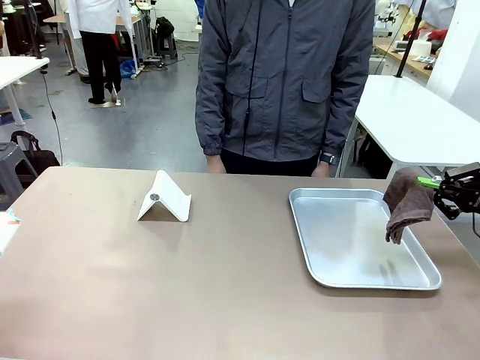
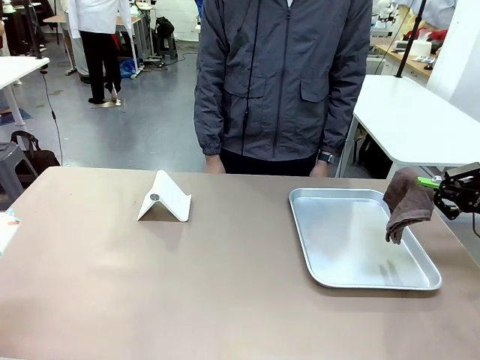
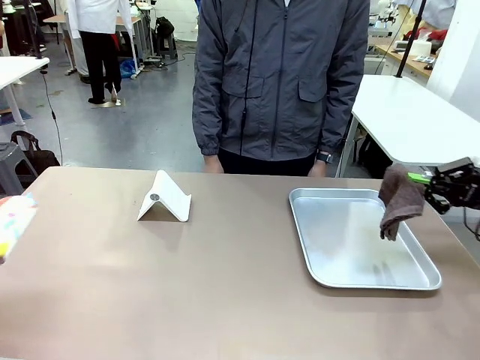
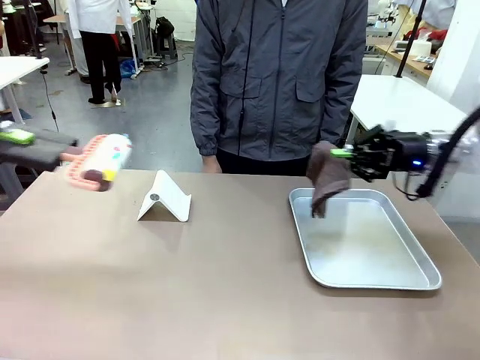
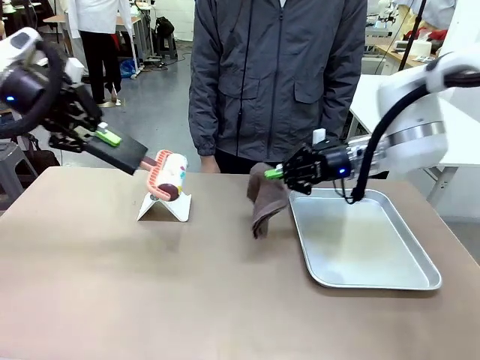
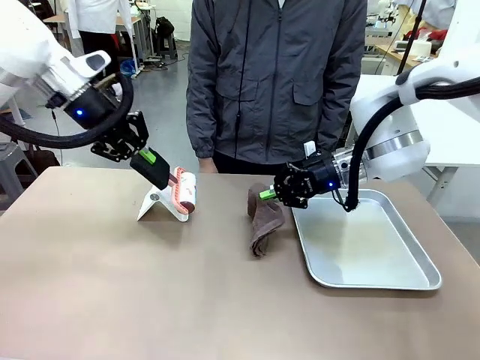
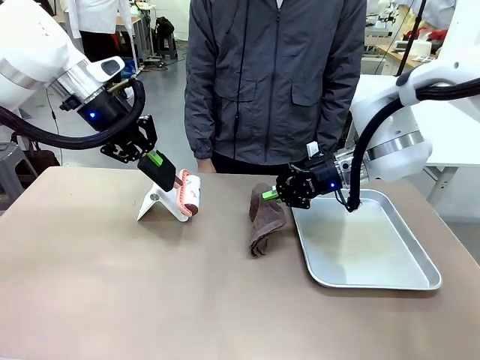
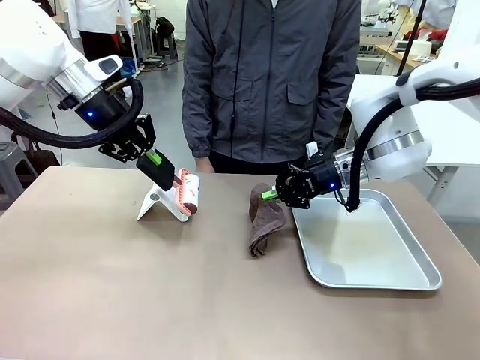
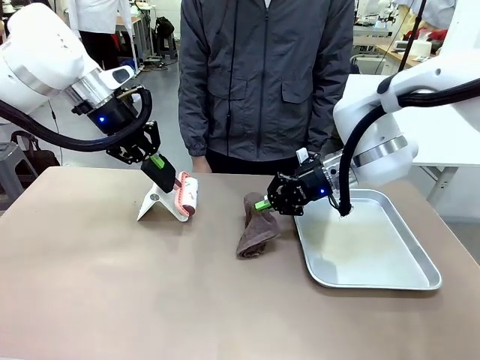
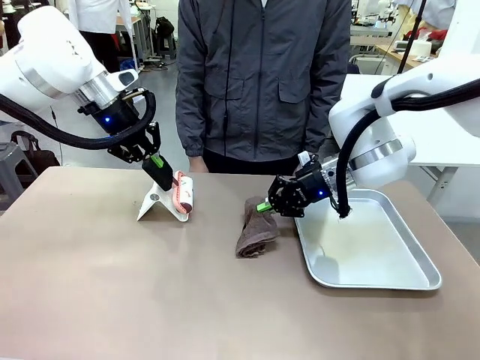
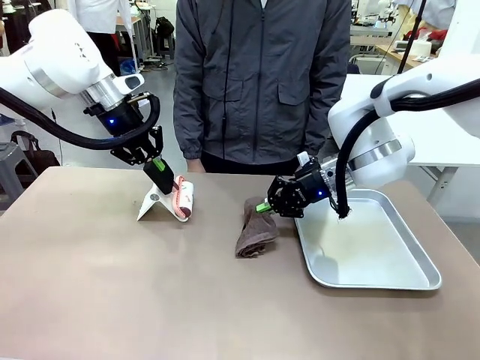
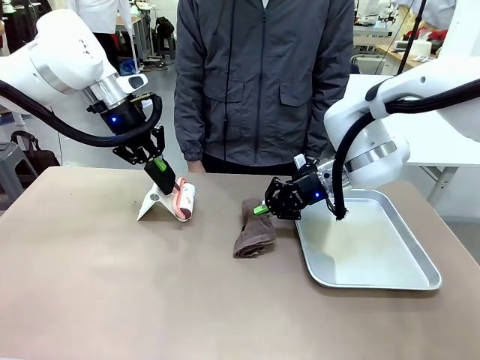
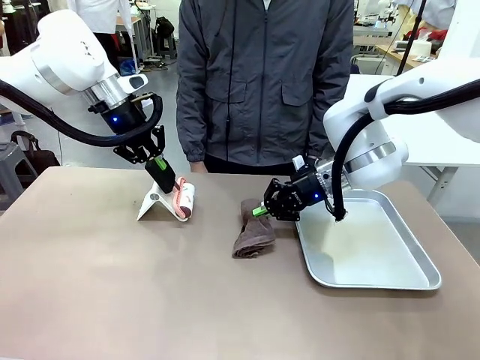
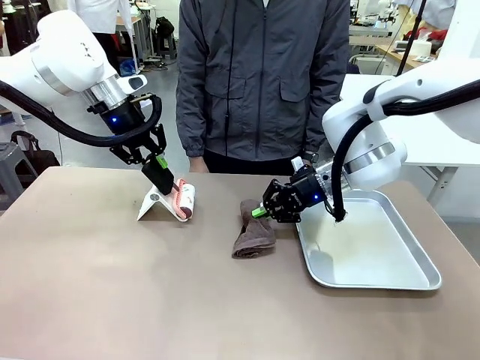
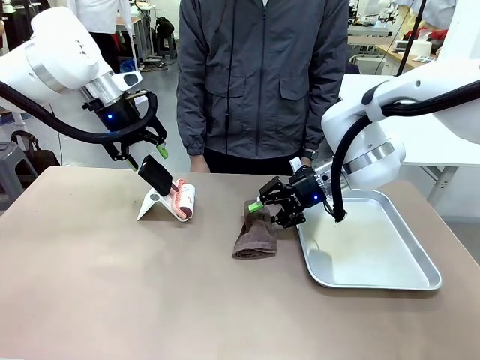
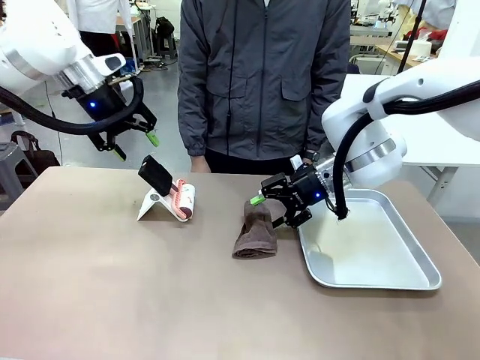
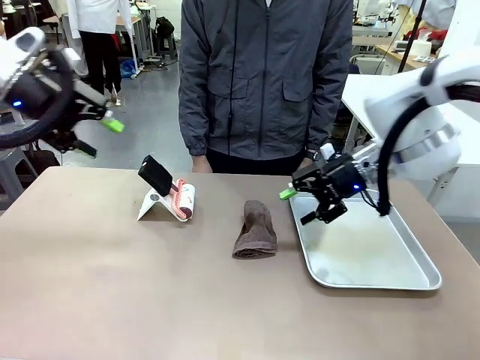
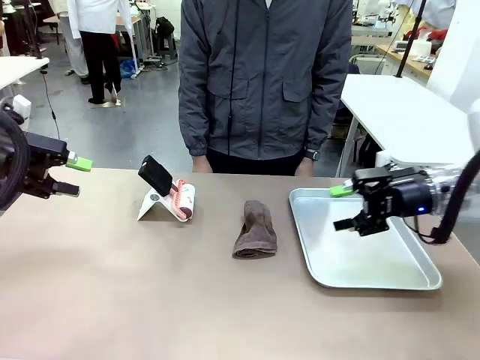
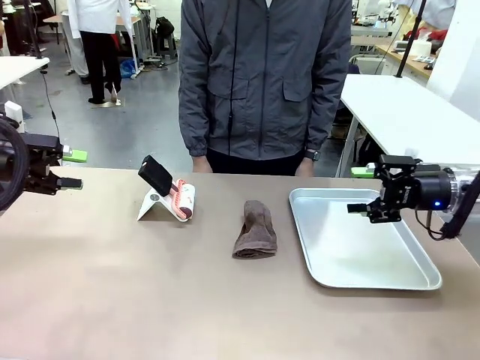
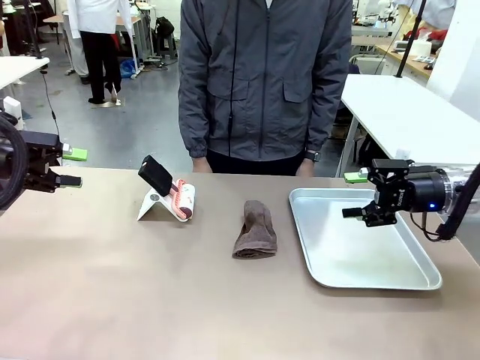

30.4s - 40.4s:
Task: Clean the surface of the table.
Robot: Return the Lint Roller and towel to their original positions.

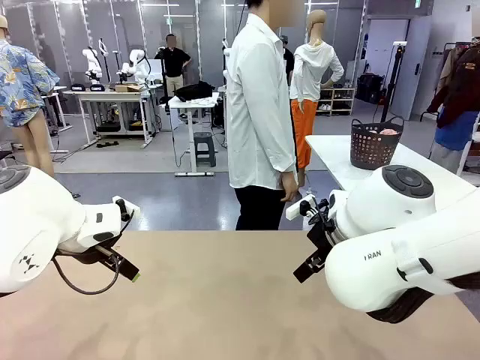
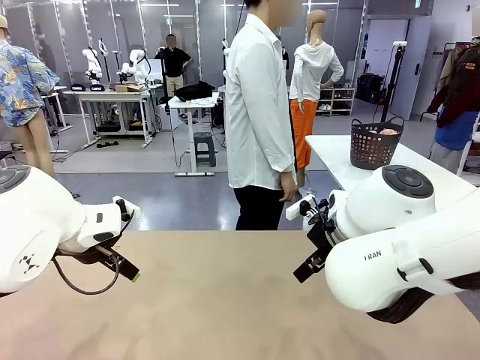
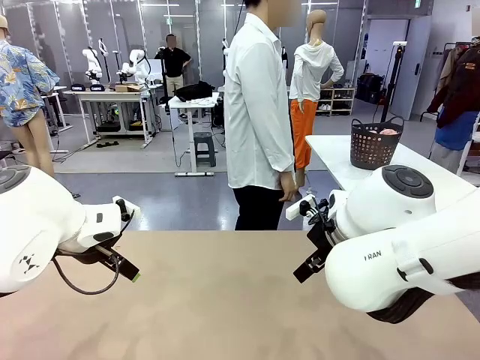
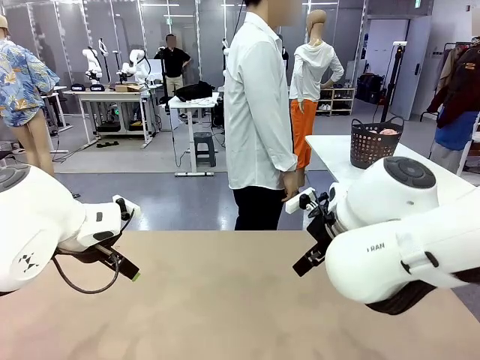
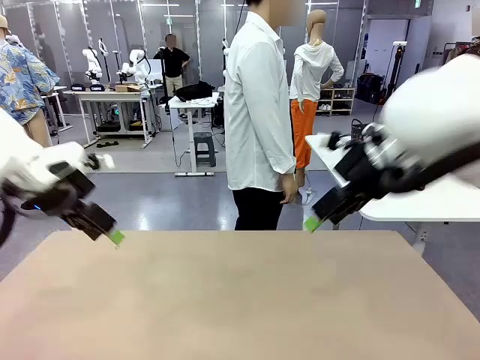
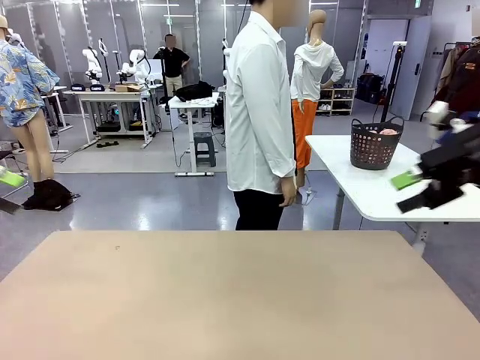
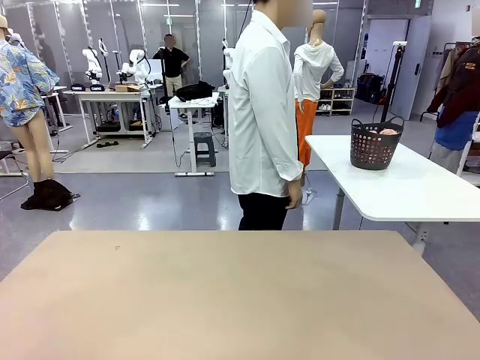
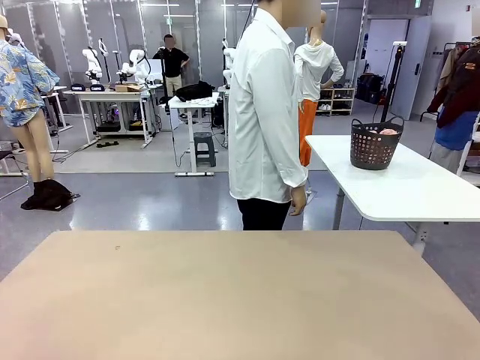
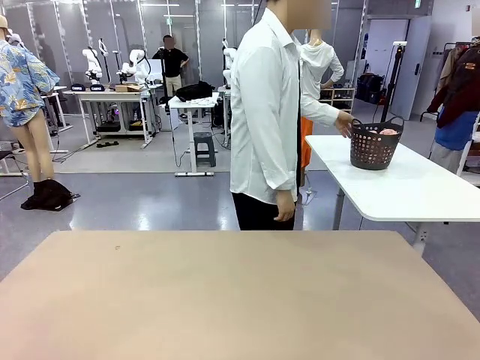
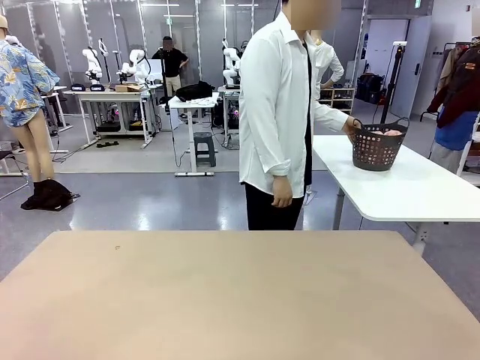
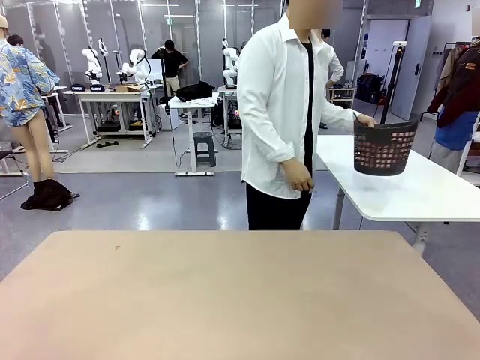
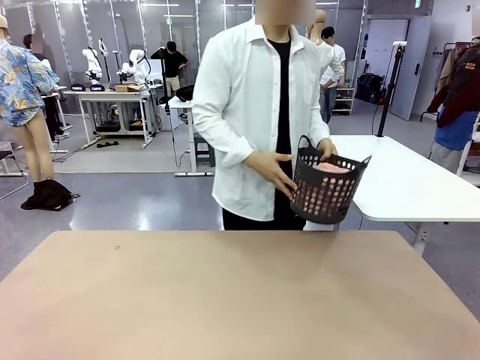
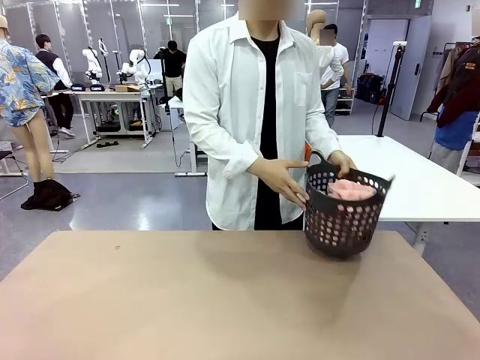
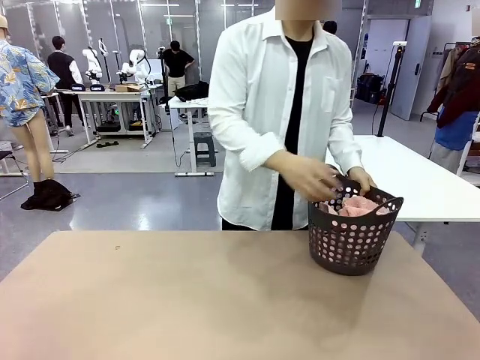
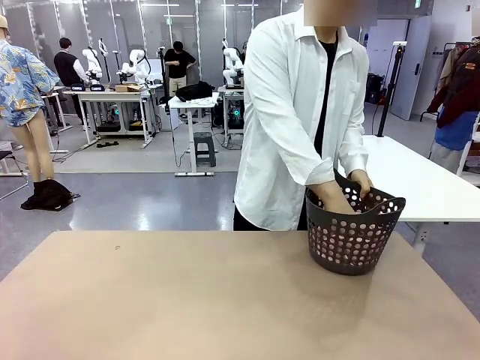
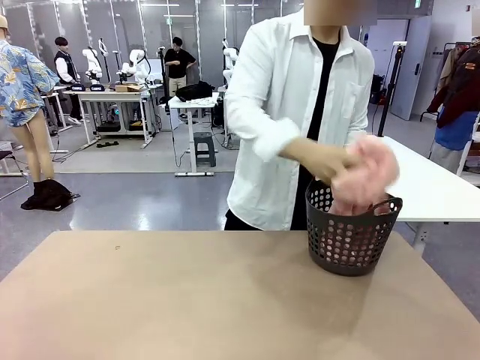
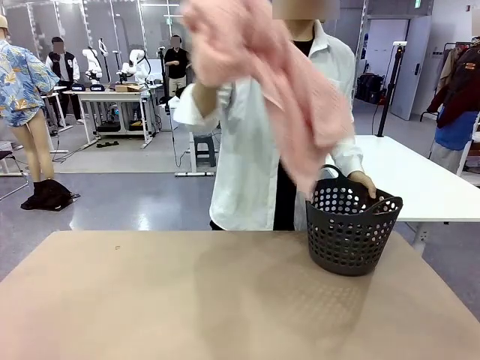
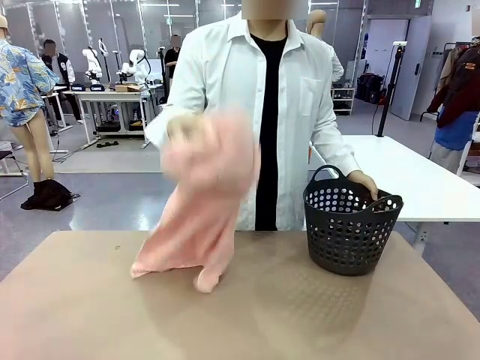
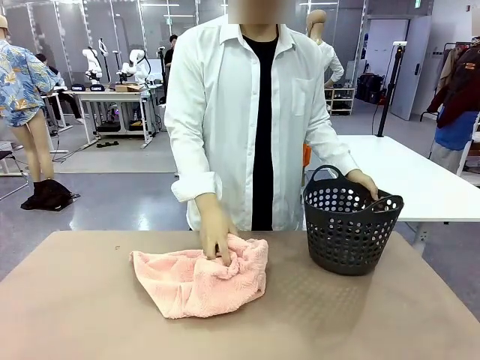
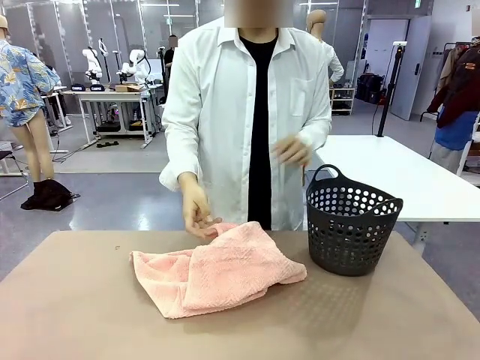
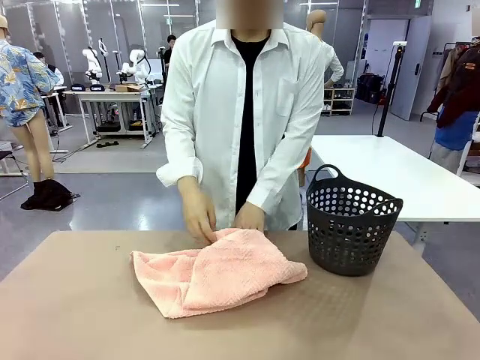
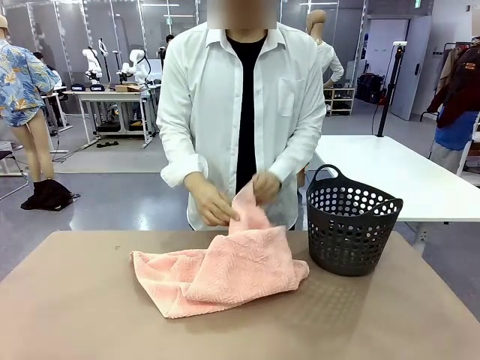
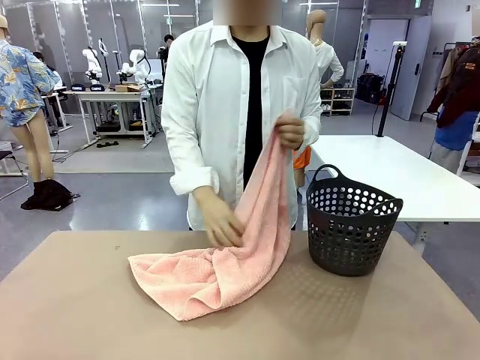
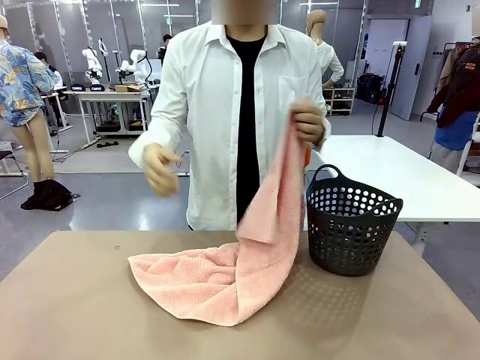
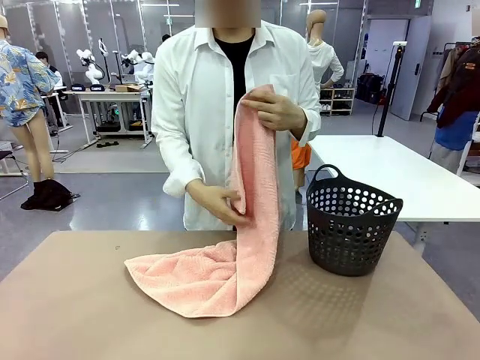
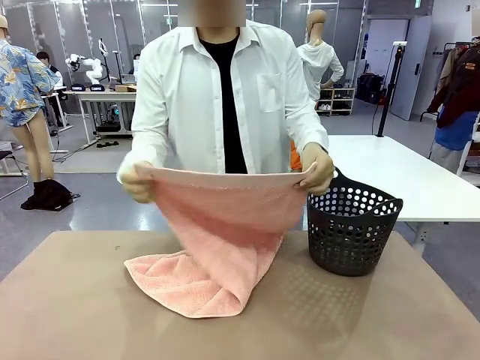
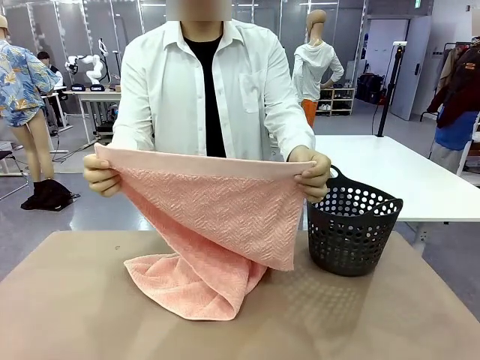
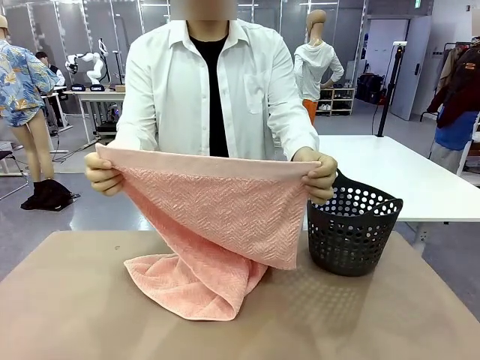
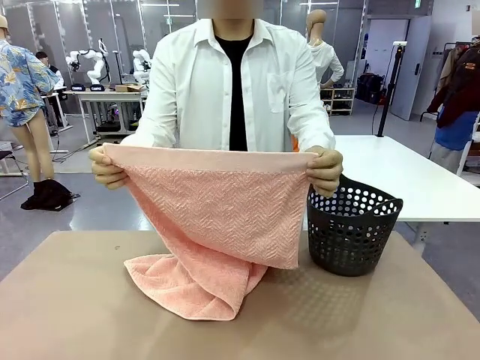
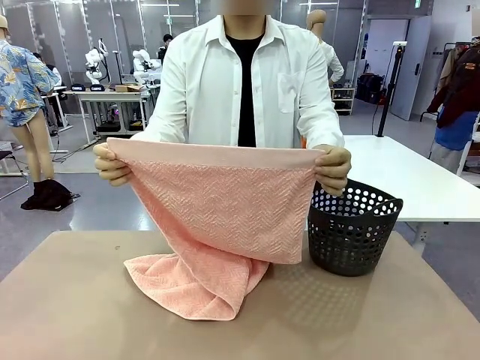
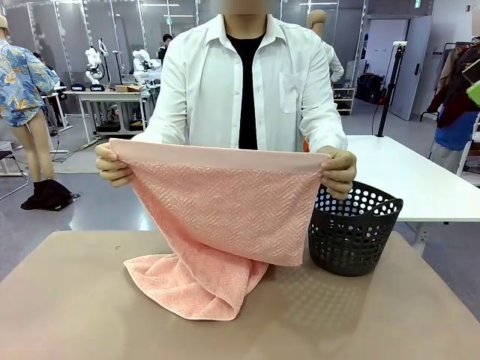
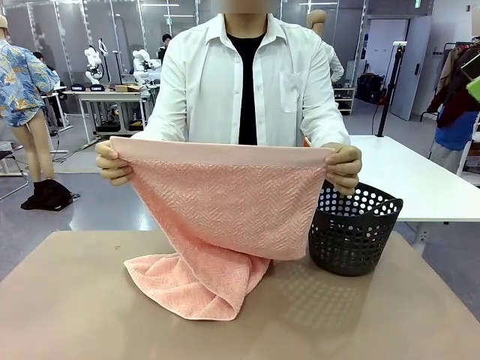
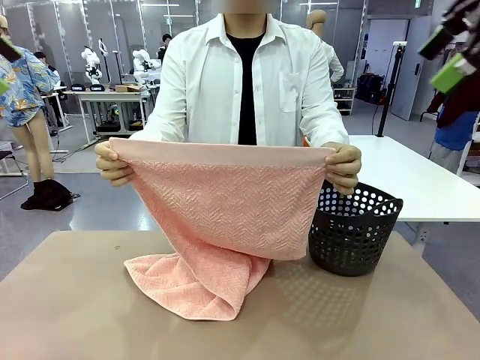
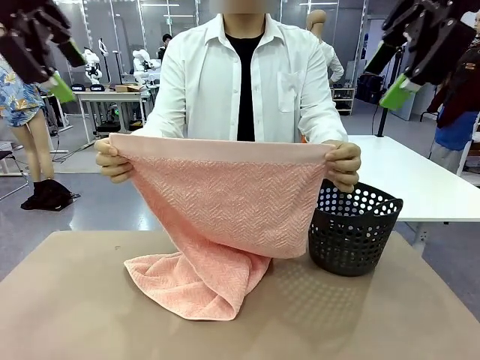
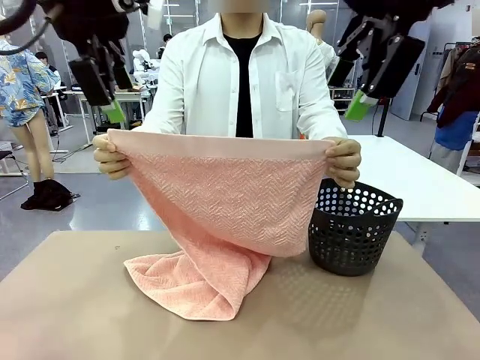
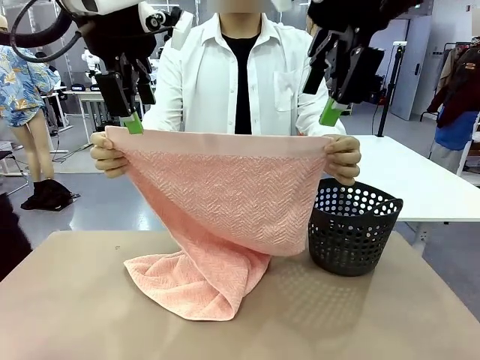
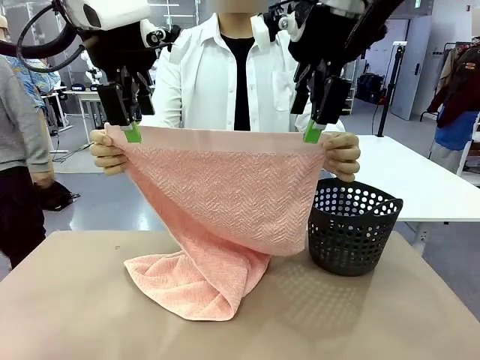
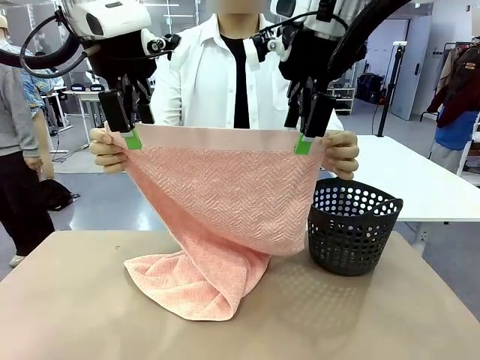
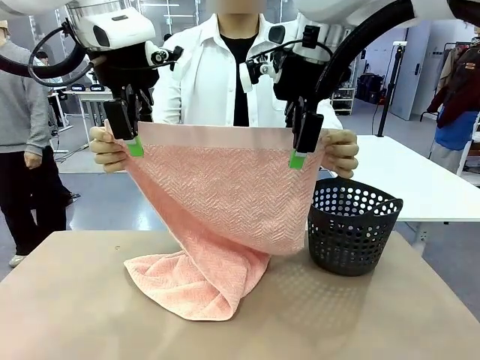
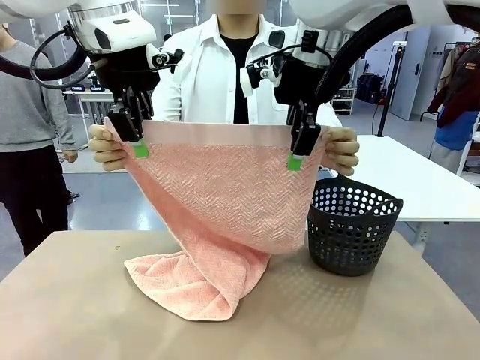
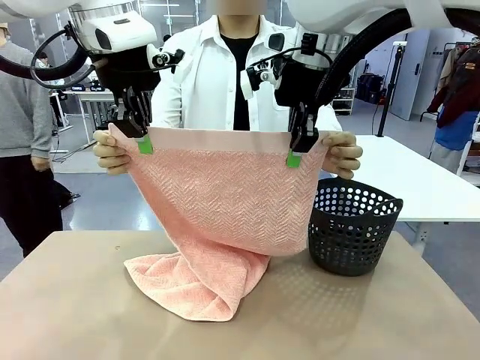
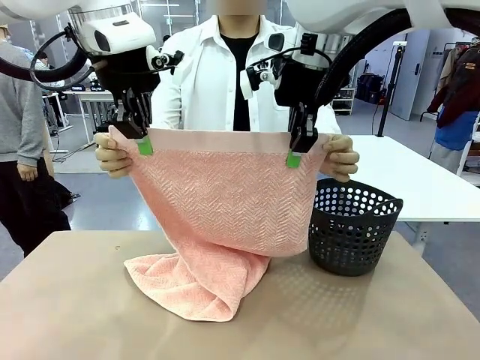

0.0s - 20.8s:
Task: Fold the towel.
Robot: Grab the top end of the 100 cm Hotel Towel extended by the human.
Person: Pick up the laundry basket, place it on the left side of the robot table, then take out a towel and hand it to the robot while holding both corners of one end.
